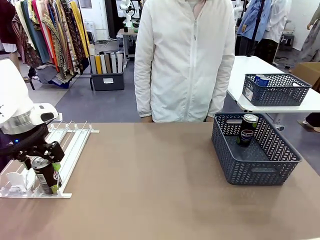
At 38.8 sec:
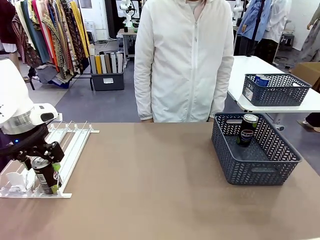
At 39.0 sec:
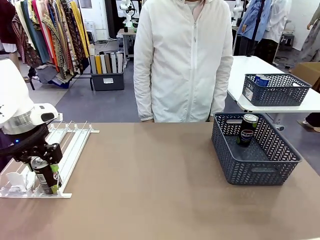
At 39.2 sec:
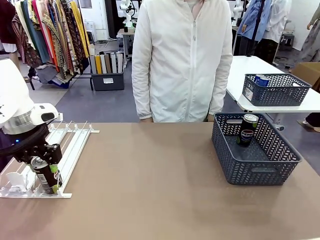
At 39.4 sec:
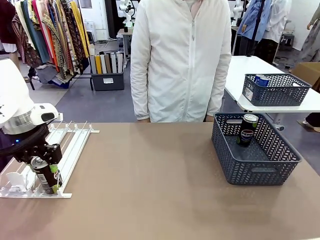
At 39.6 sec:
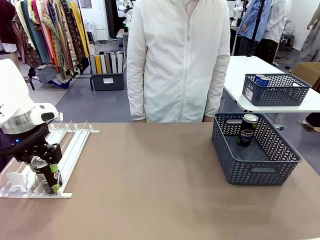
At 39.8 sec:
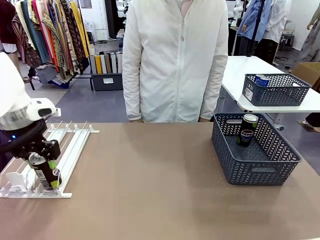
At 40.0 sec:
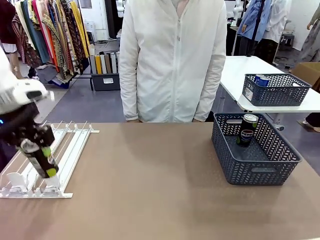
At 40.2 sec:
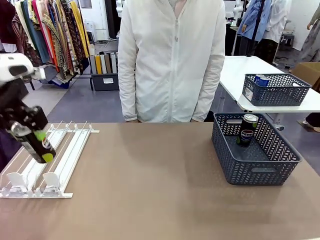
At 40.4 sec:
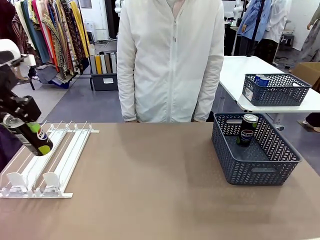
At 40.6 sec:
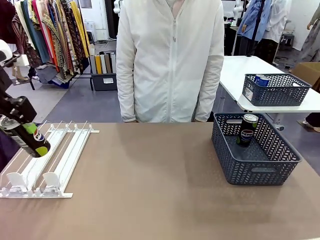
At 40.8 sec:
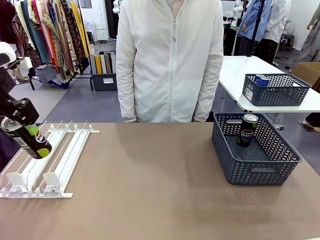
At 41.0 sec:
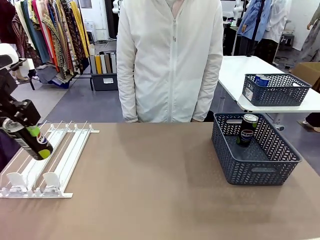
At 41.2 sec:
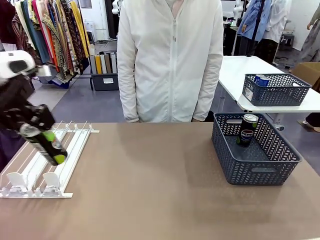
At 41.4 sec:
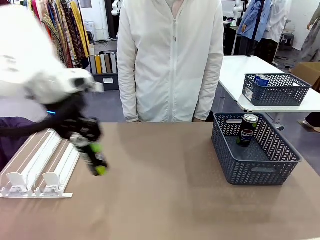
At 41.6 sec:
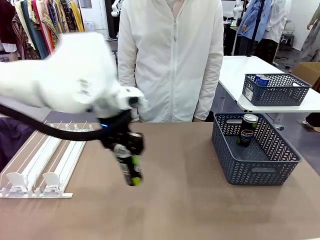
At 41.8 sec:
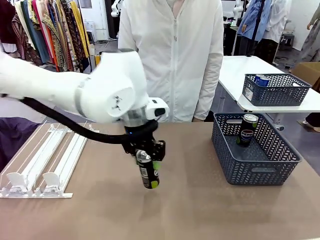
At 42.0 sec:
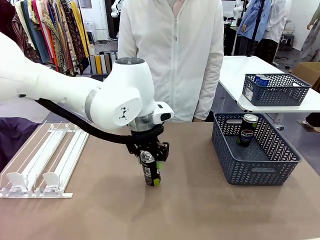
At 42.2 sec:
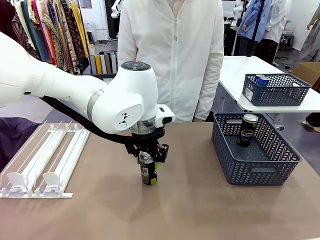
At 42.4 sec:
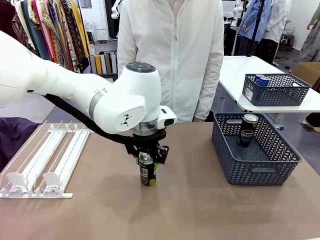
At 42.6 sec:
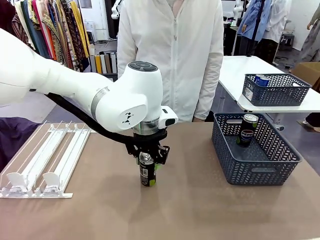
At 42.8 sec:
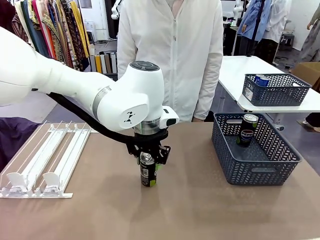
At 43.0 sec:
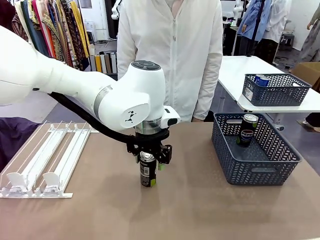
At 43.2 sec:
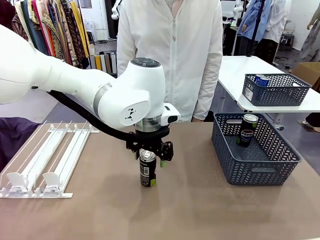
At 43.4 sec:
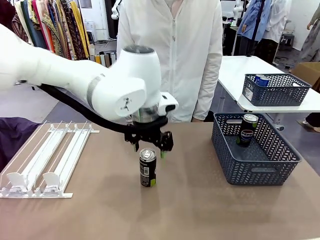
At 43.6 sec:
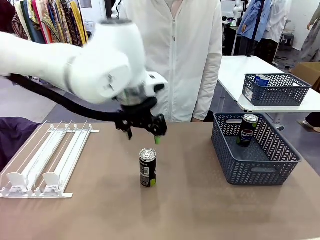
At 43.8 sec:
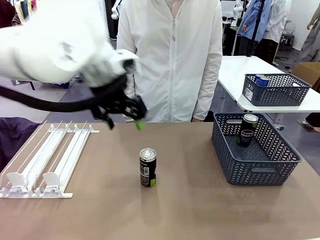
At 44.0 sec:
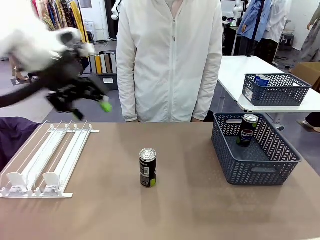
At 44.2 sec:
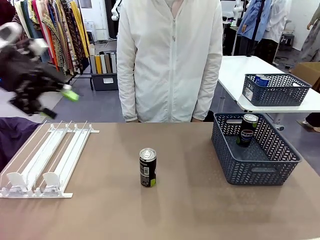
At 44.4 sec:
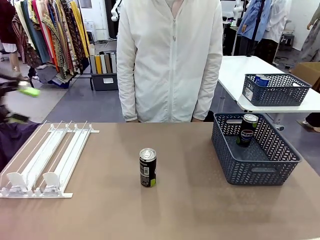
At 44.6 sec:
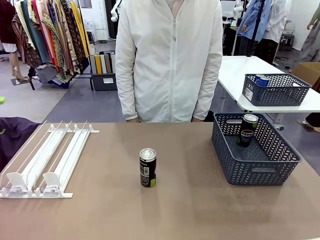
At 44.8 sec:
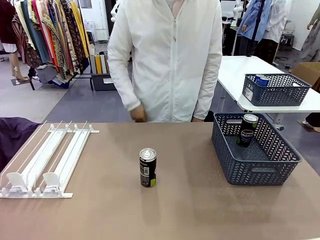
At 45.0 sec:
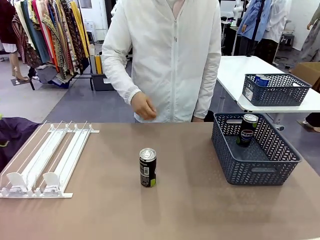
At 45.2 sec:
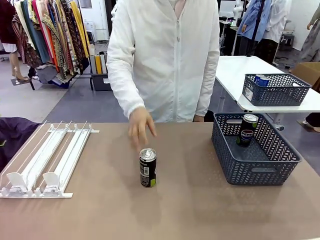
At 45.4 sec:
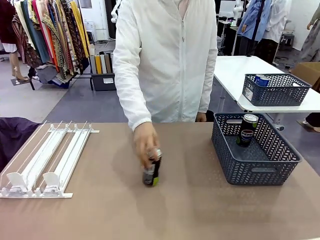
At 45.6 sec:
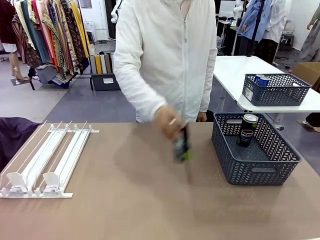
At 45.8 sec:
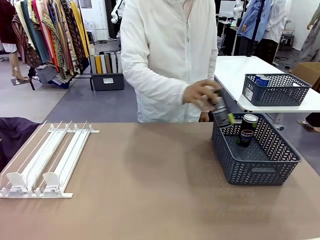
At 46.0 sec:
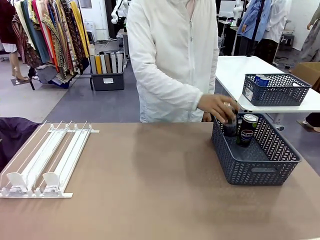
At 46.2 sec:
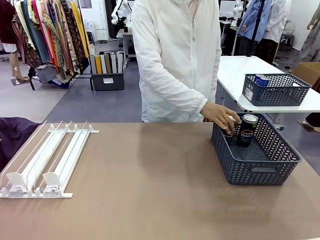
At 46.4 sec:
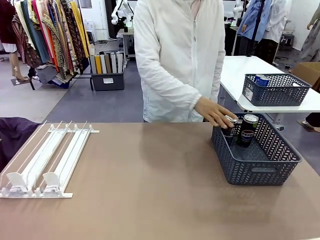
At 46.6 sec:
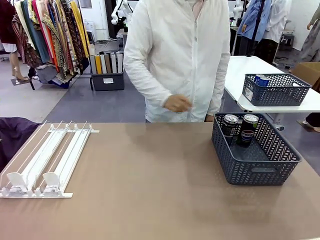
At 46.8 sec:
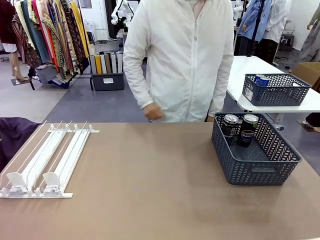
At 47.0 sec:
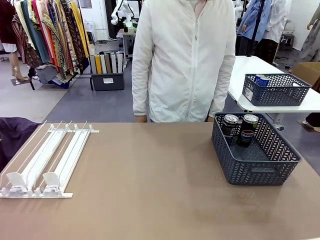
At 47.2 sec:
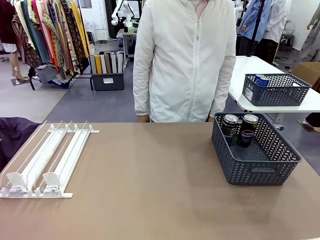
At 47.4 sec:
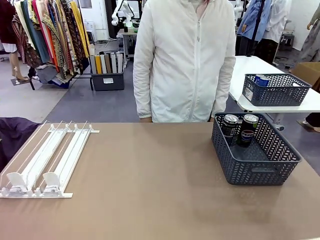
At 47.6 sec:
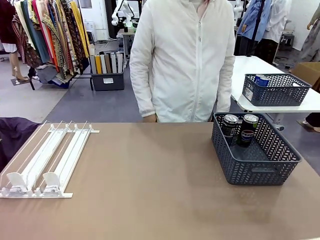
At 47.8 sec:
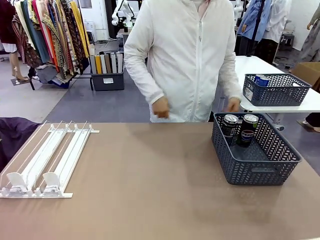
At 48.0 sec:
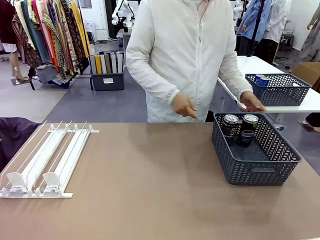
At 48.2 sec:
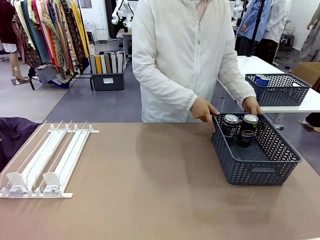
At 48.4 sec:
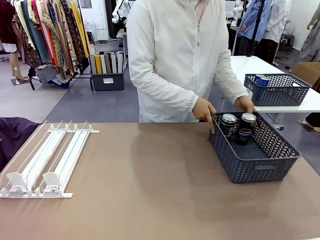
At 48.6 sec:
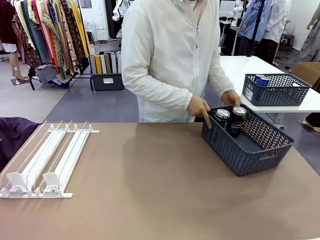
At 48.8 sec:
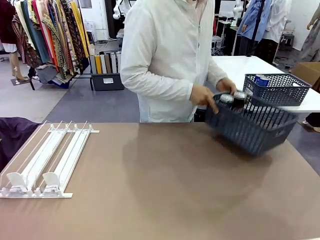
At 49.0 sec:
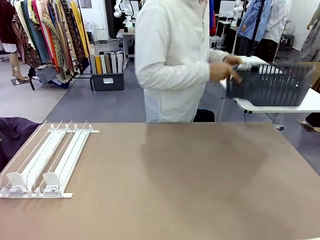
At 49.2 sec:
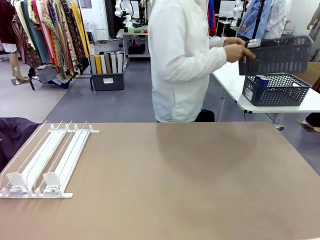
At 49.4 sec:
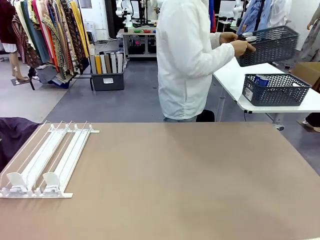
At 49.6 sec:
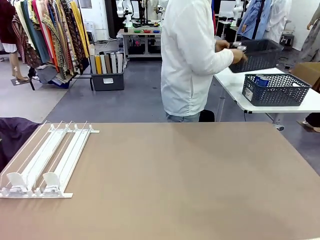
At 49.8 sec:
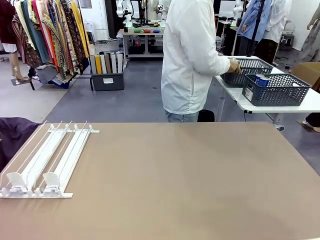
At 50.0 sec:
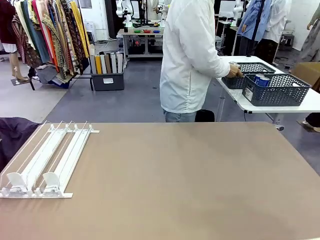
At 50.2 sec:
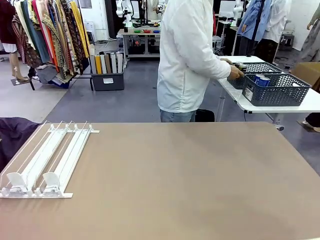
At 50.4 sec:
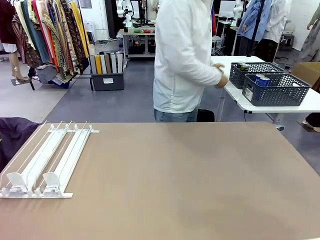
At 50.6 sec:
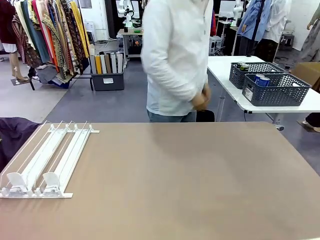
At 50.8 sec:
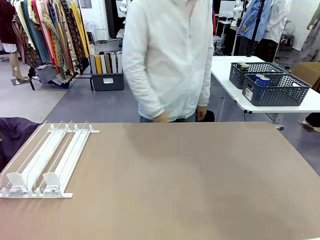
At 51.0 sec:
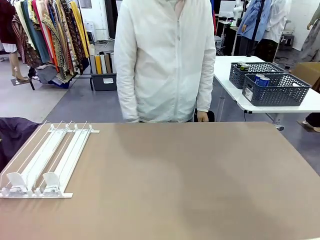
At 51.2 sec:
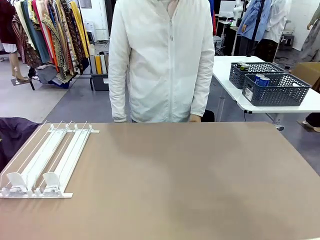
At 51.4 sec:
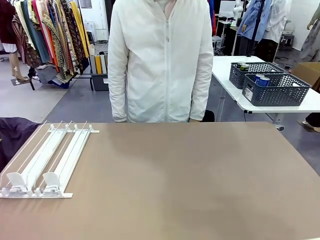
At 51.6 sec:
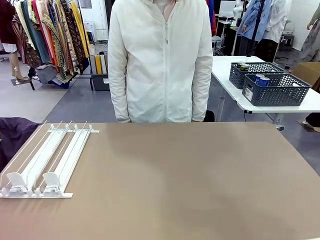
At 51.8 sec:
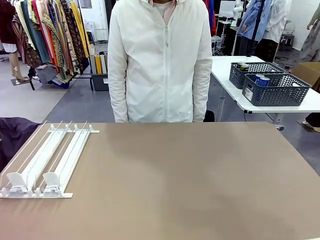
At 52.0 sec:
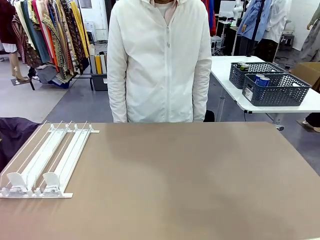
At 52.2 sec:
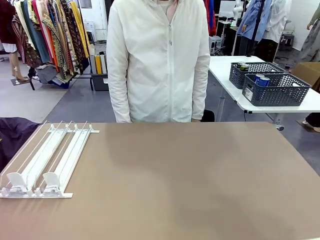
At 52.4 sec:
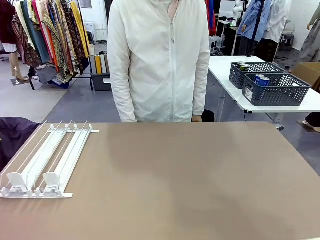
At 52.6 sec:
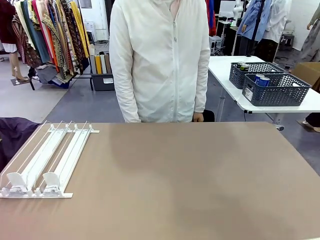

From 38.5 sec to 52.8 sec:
Task: Retrieve and store the cans from the dispenser.
Robot: Pick up one can from the Automatic Can Dispenser and place it in the middle of the table.
Person: Pick up one sports drink can from the middle of the robot table and place it in the basket. Pick up the basket and place it in the middle of the human table.
